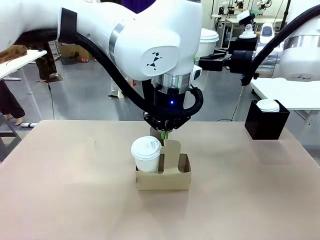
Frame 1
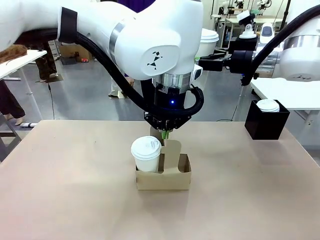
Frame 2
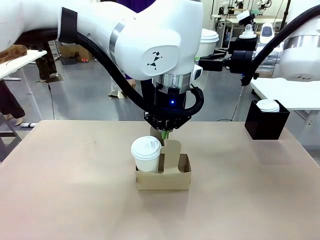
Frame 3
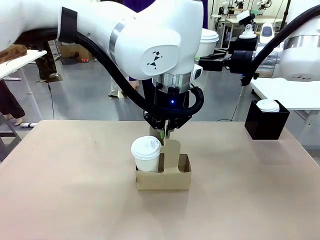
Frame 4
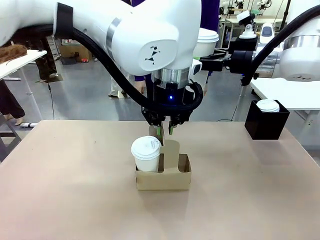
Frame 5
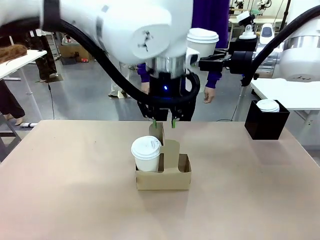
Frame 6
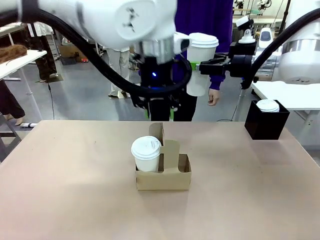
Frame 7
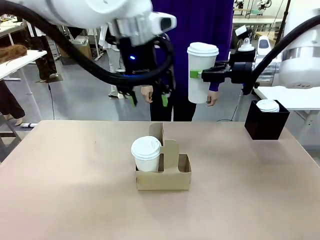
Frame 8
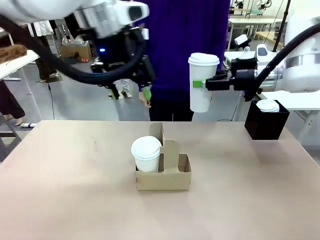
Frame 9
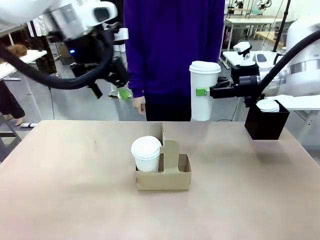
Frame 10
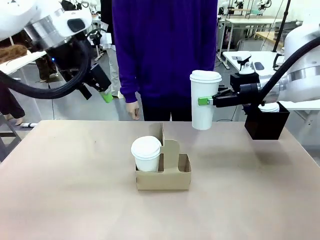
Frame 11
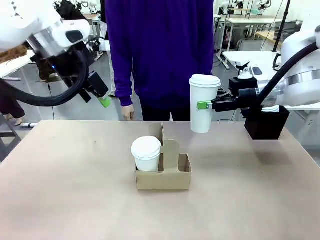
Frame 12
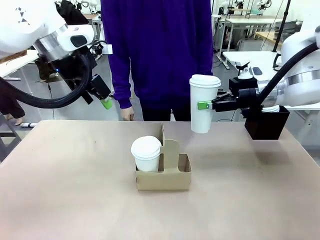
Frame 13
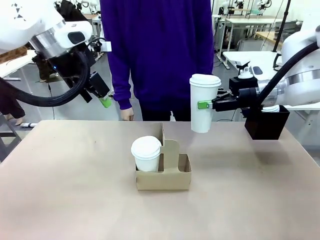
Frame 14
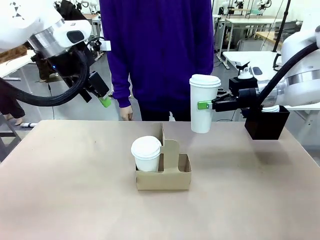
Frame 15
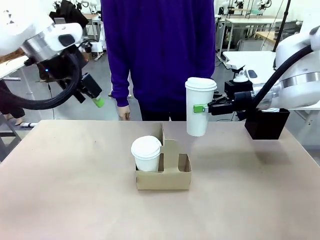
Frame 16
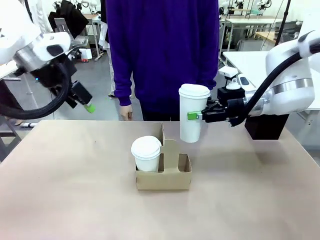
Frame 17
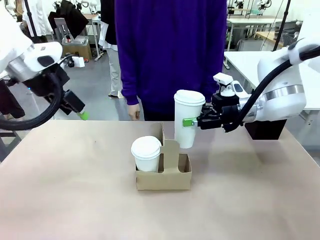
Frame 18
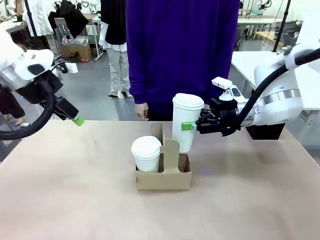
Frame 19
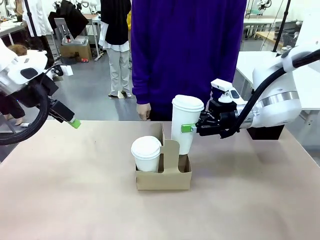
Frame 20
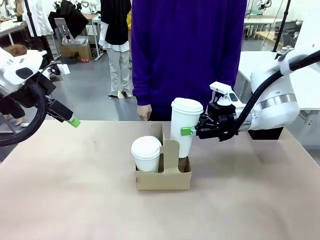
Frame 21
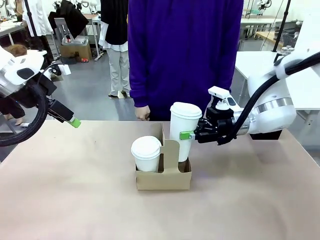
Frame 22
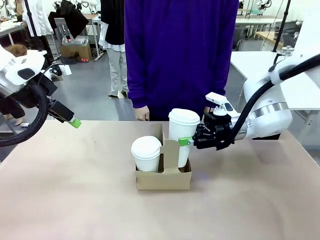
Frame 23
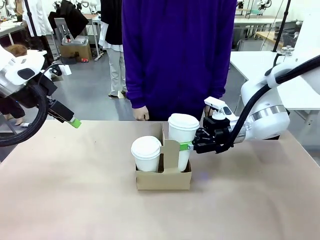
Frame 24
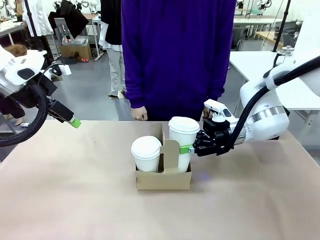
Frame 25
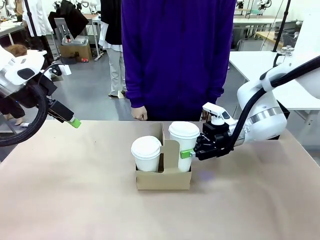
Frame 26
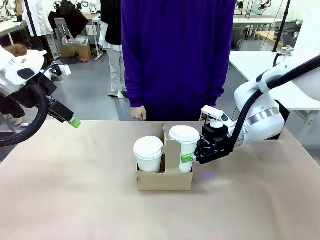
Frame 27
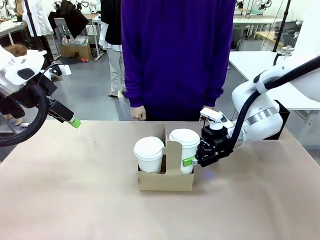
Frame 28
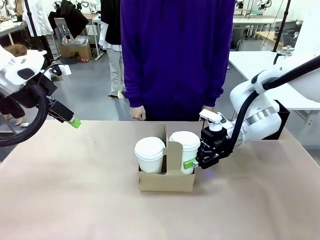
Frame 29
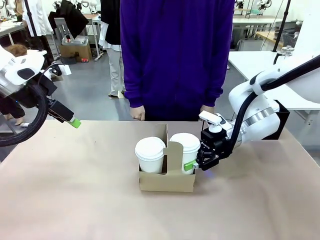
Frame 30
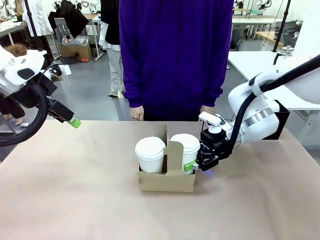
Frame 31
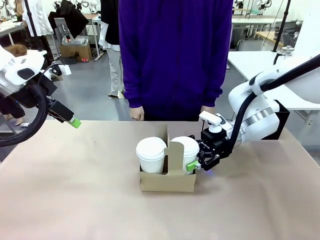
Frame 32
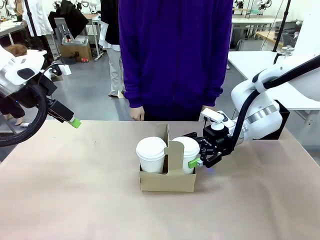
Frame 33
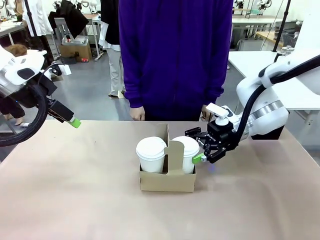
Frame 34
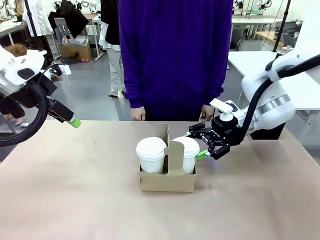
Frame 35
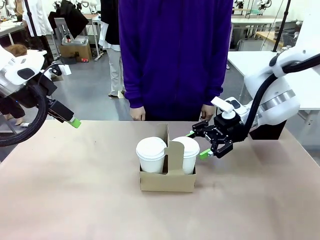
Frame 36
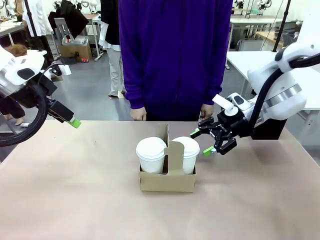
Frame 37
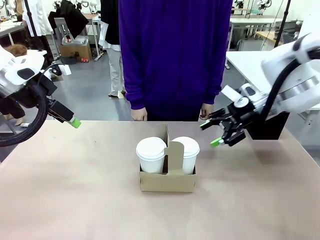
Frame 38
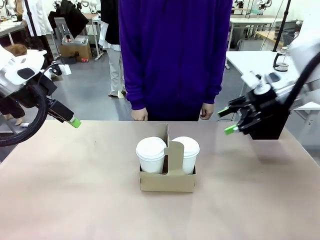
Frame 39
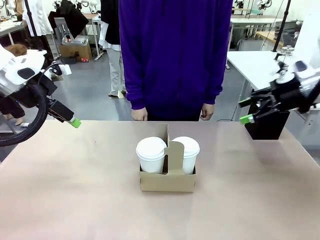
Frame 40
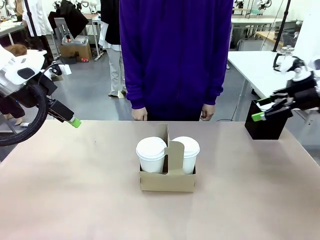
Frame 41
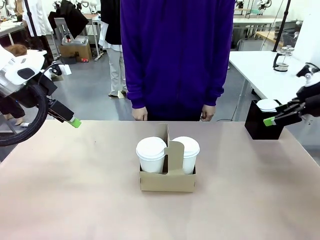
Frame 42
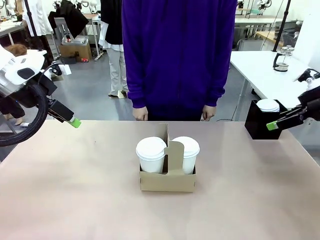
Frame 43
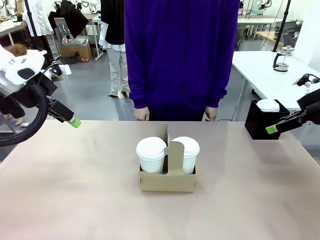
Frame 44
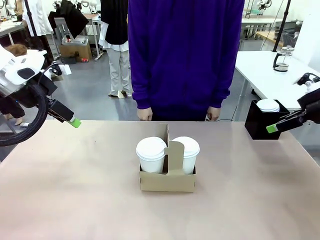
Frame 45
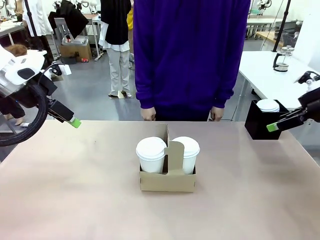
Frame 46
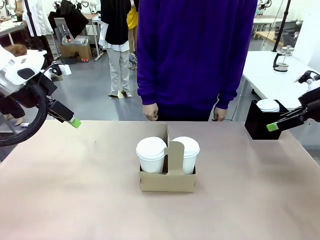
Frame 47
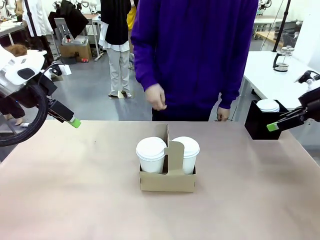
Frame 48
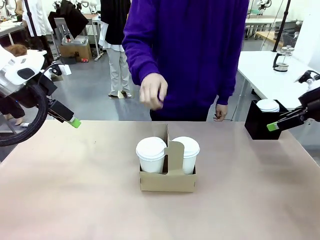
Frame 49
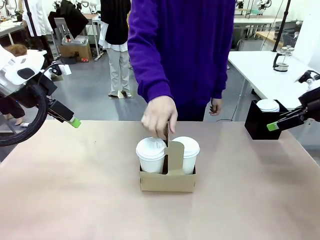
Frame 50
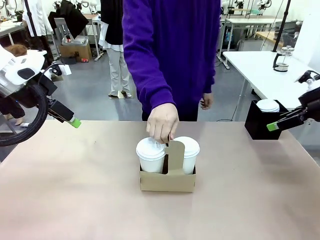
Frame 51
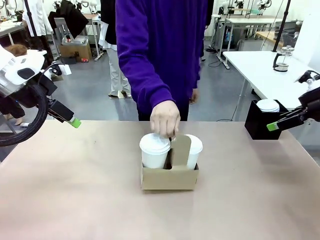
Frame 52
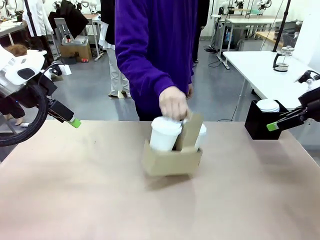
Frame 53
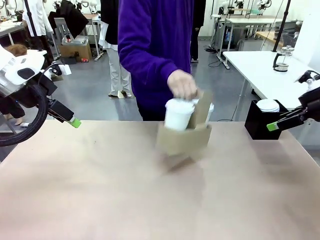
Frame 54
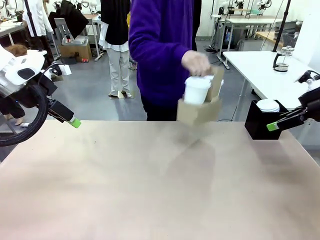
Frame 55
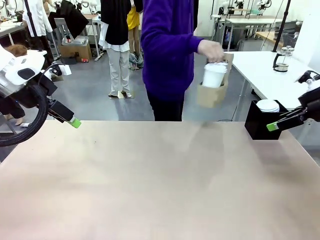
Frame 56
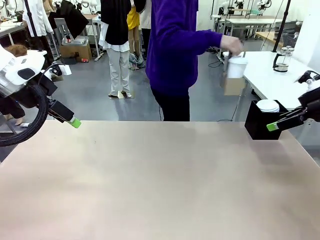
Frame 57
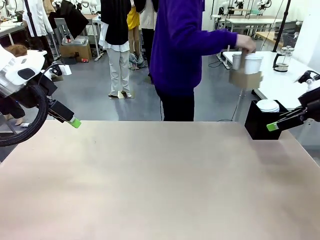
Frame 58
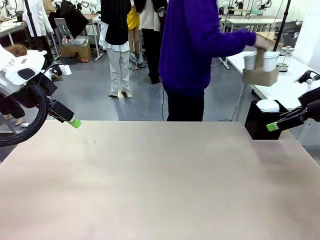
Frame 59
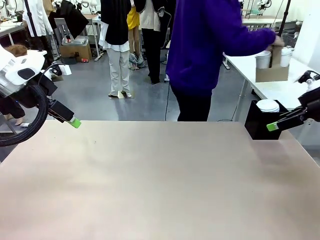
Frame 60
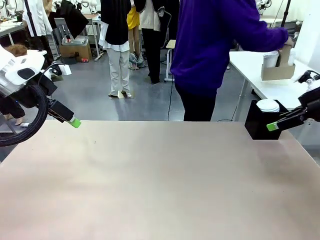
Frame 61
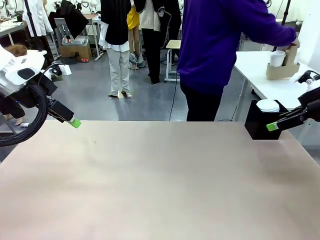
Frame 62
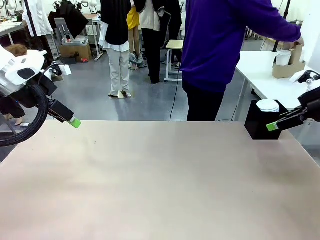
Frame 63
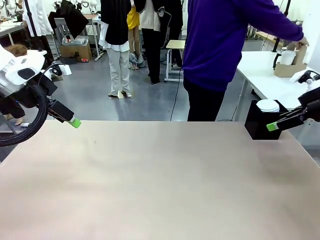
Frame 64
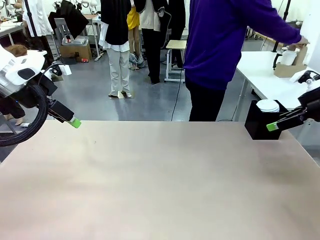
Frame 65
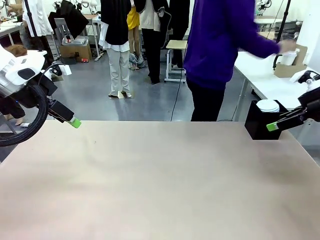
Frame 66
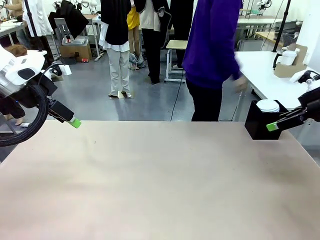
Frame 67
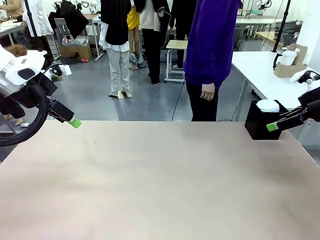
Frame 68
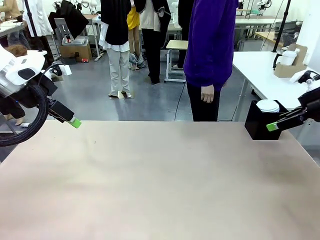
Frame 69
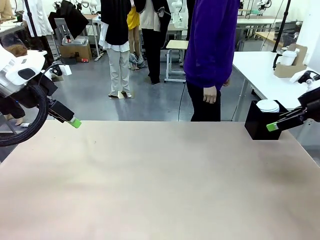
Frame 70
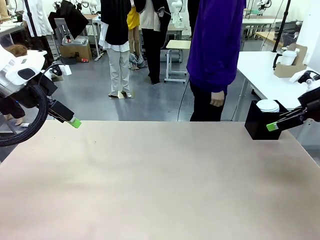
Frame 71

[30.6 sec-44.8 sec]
Task: Pour a drink into a cup and package it in a carrier.
Robot: Insert the held 600 ml Paper Cup into the Cup Carrier.
Person: Place the Cup Carrier to the middle of Human table.
